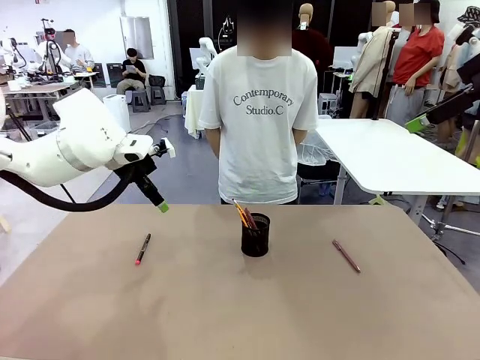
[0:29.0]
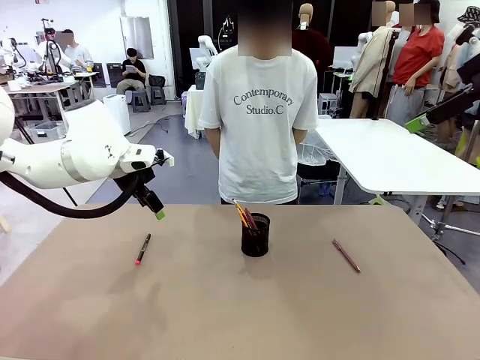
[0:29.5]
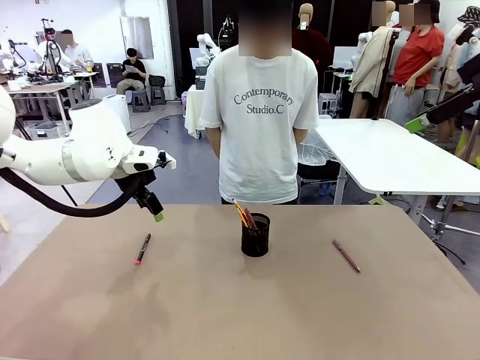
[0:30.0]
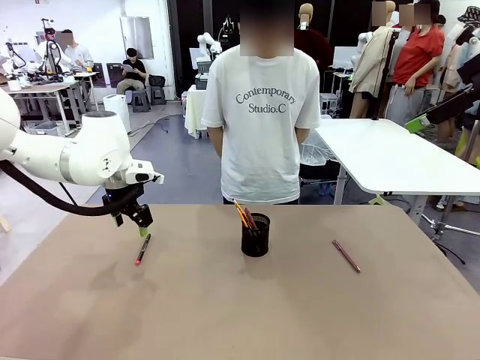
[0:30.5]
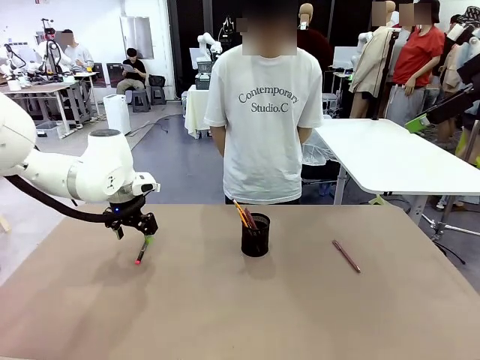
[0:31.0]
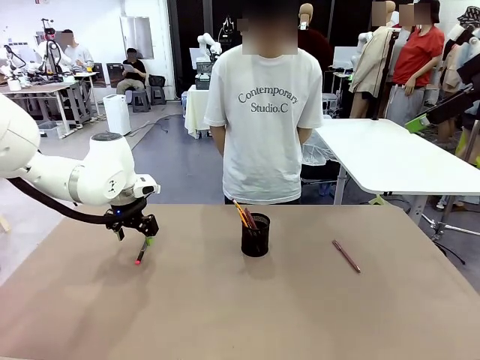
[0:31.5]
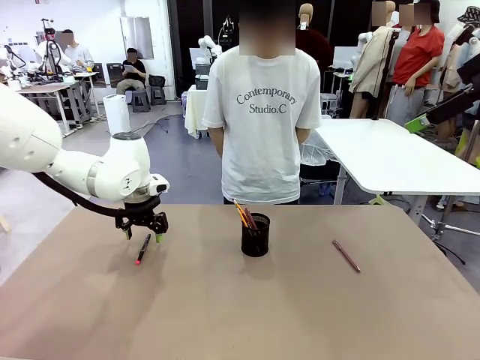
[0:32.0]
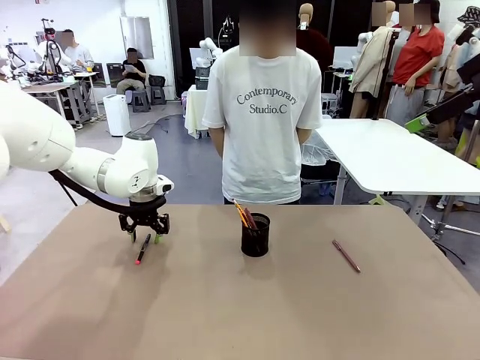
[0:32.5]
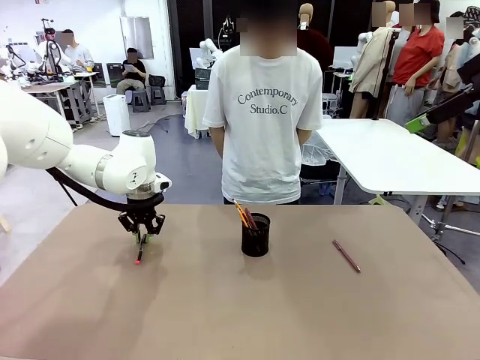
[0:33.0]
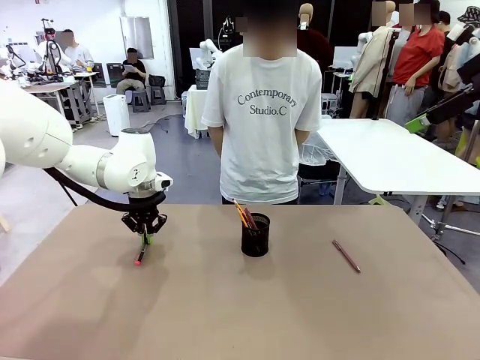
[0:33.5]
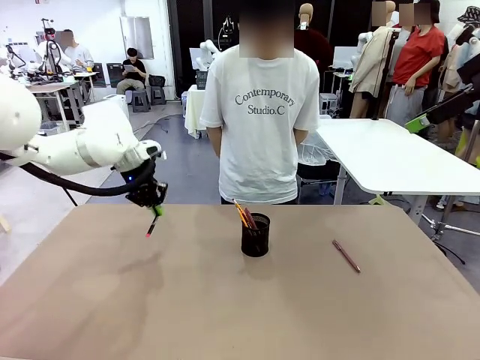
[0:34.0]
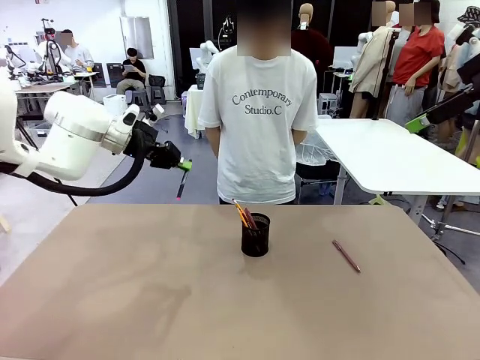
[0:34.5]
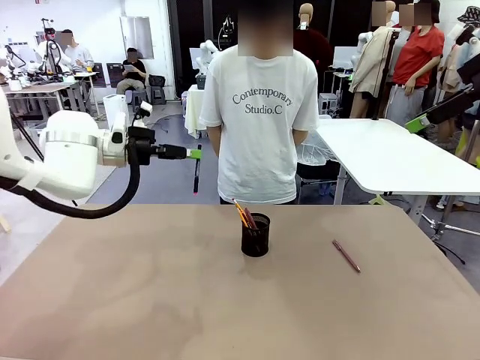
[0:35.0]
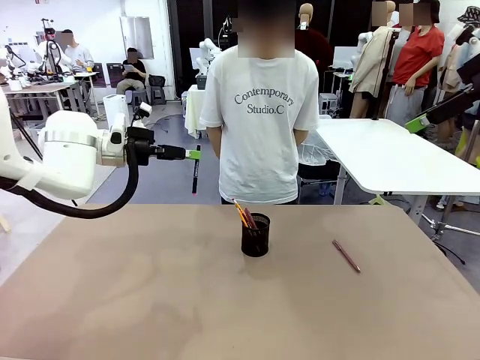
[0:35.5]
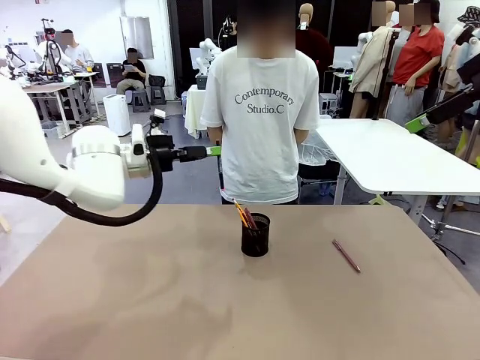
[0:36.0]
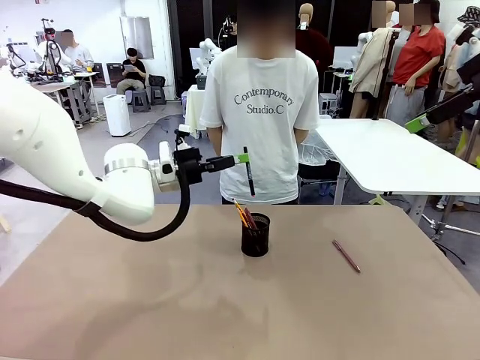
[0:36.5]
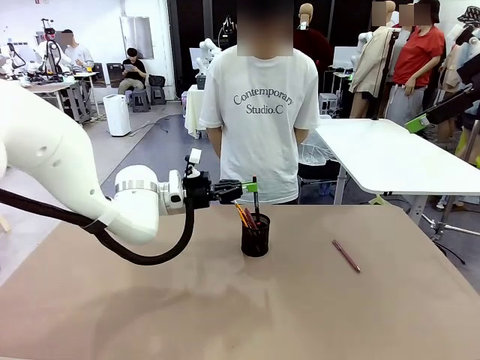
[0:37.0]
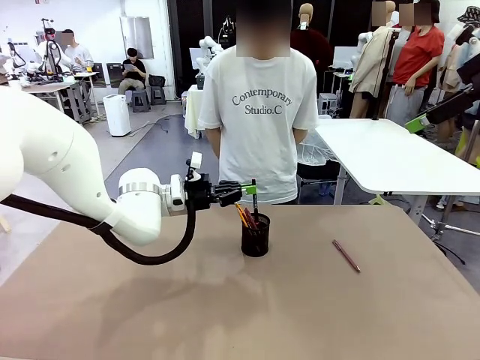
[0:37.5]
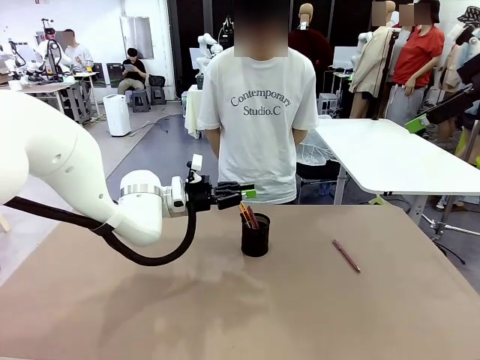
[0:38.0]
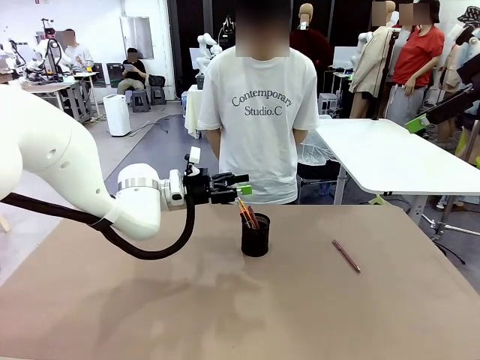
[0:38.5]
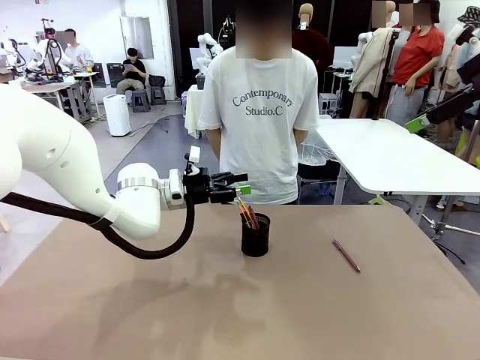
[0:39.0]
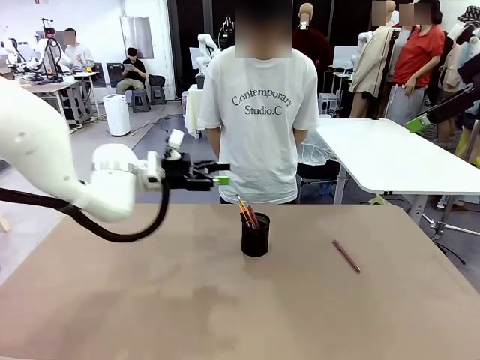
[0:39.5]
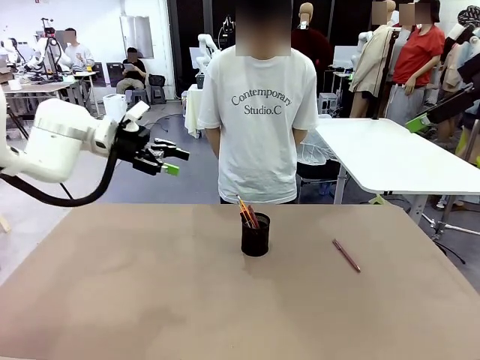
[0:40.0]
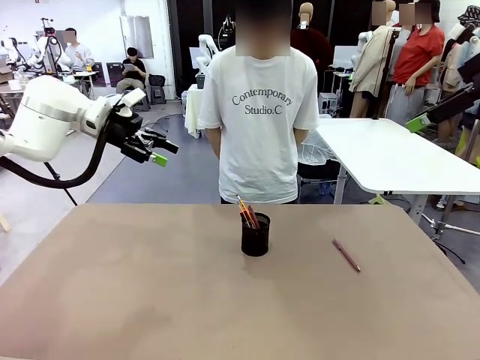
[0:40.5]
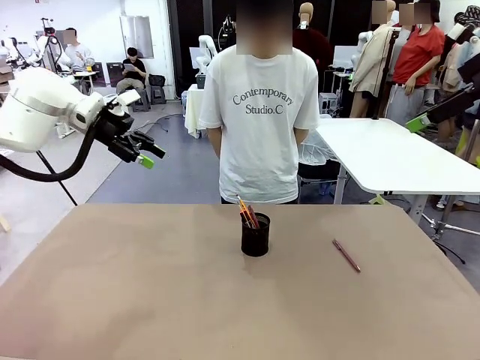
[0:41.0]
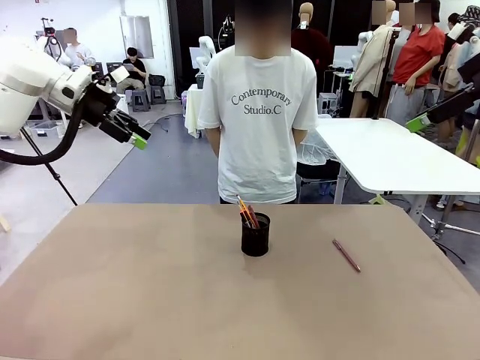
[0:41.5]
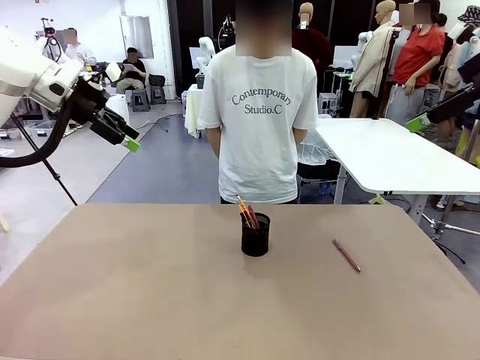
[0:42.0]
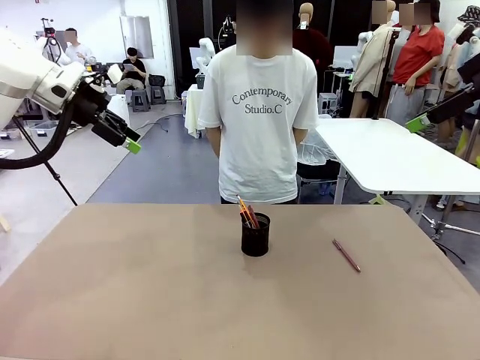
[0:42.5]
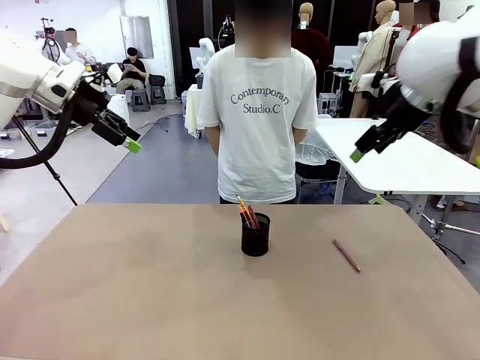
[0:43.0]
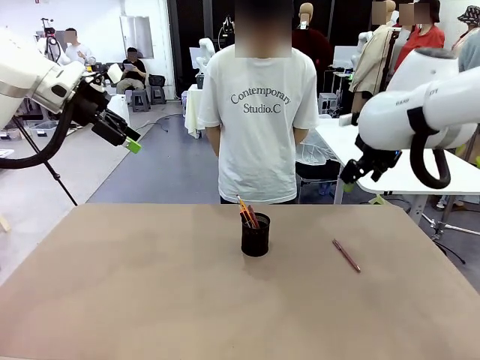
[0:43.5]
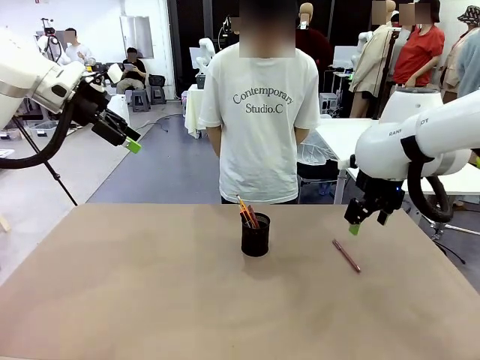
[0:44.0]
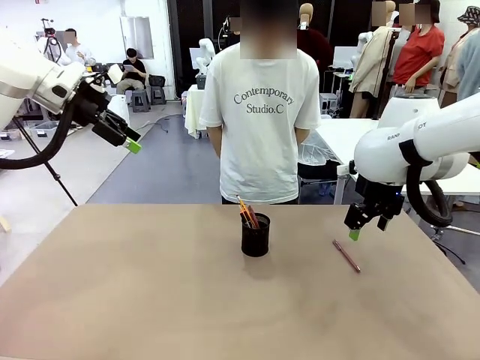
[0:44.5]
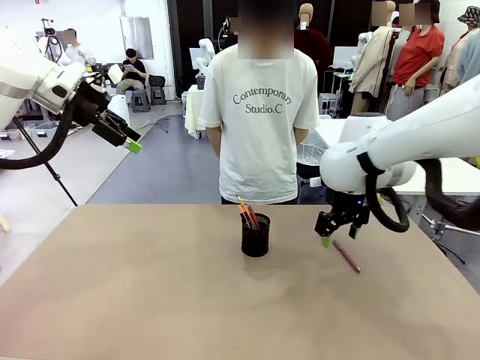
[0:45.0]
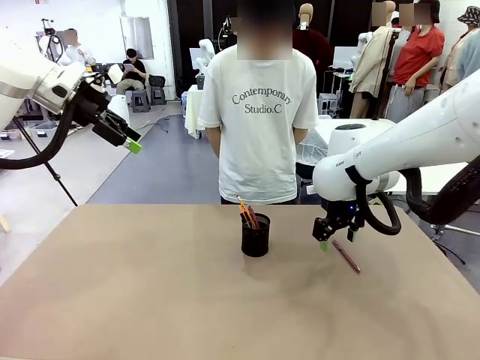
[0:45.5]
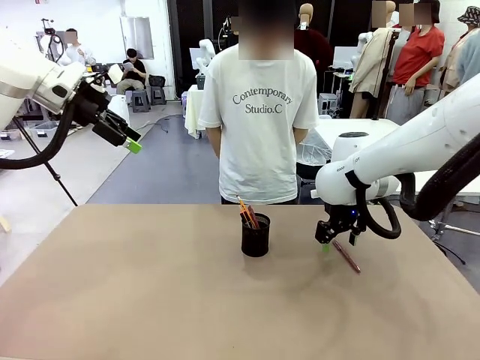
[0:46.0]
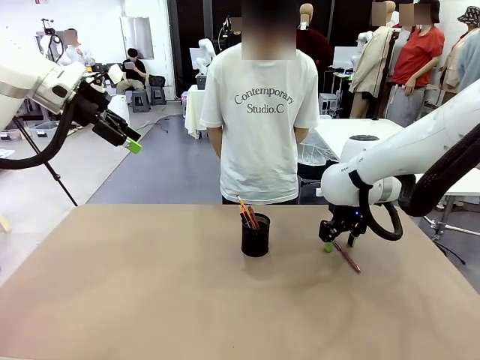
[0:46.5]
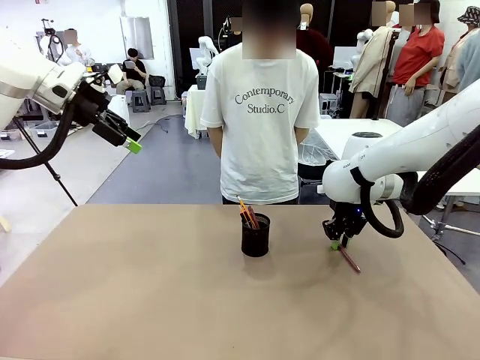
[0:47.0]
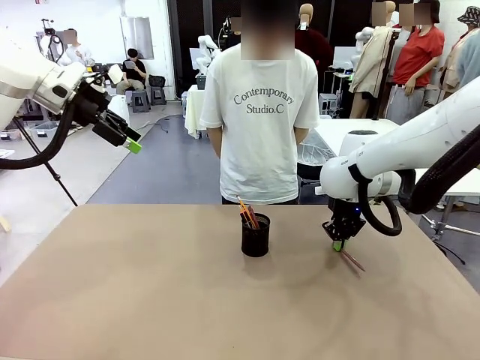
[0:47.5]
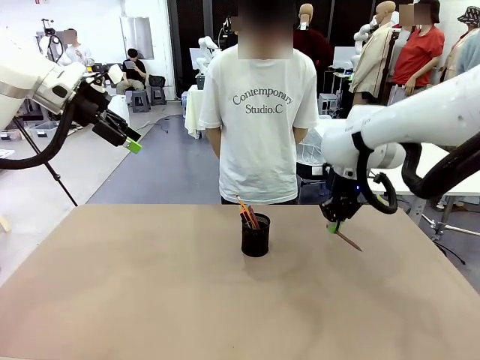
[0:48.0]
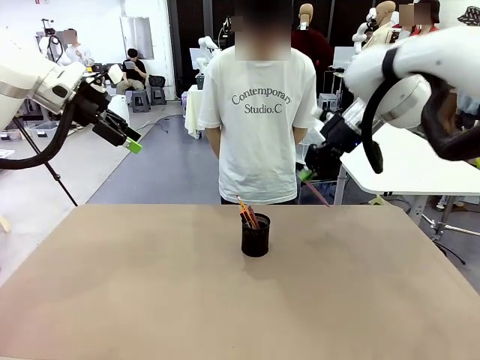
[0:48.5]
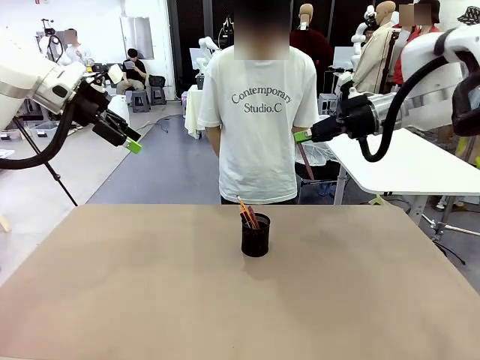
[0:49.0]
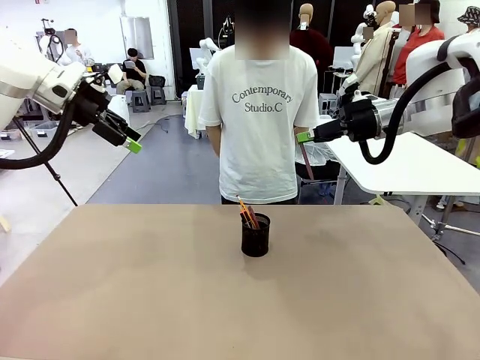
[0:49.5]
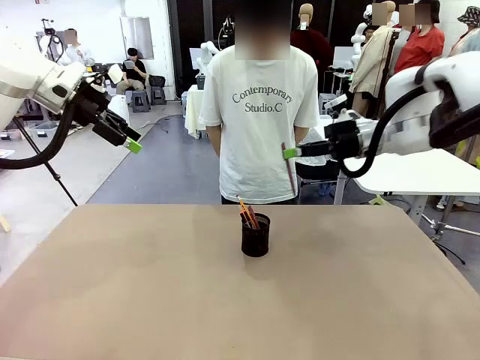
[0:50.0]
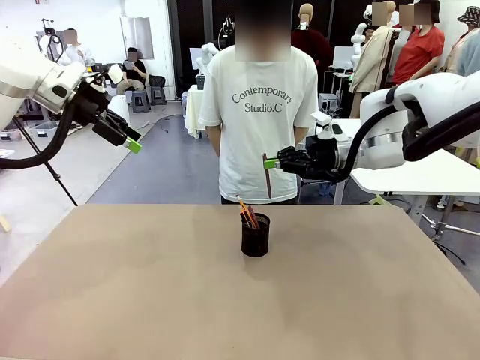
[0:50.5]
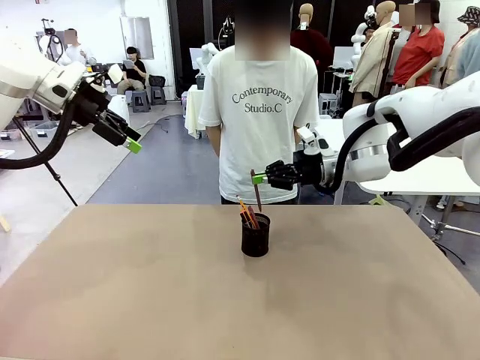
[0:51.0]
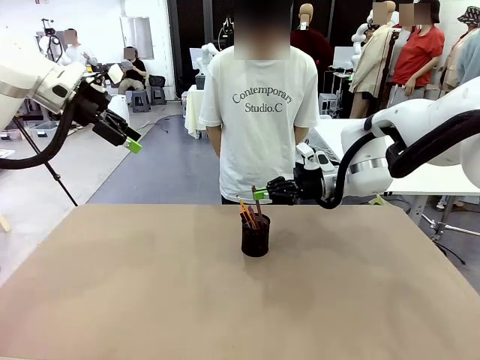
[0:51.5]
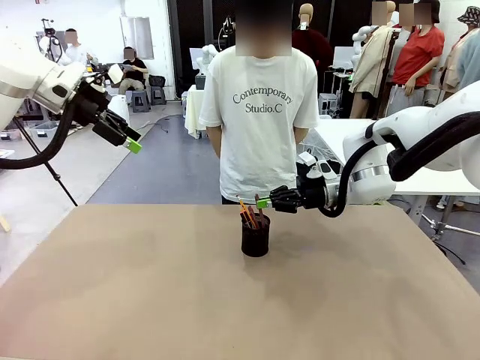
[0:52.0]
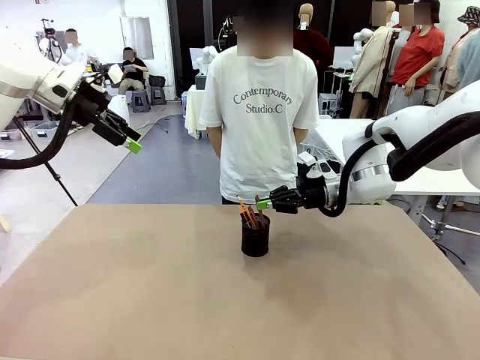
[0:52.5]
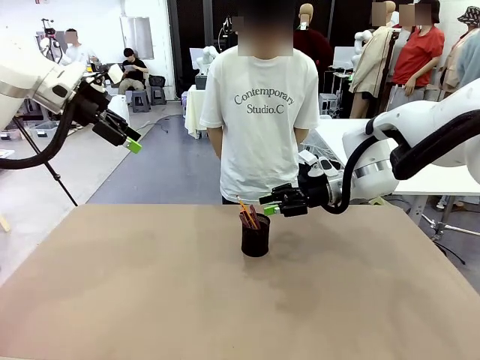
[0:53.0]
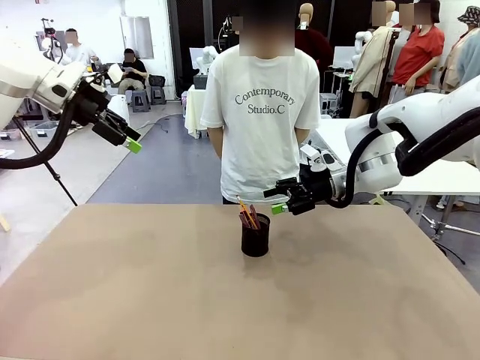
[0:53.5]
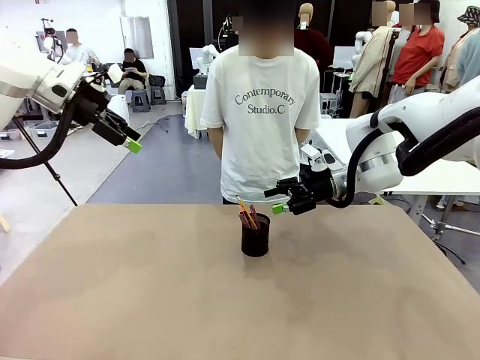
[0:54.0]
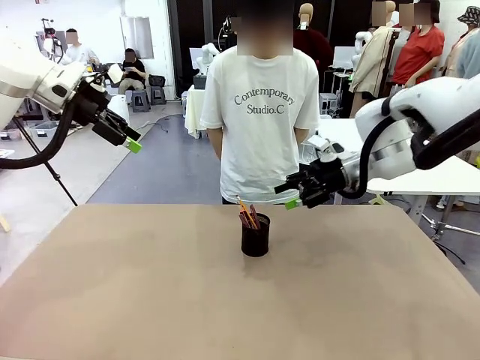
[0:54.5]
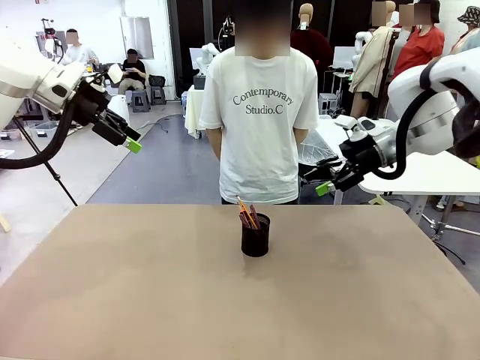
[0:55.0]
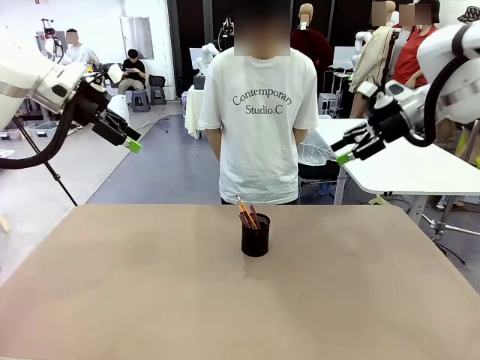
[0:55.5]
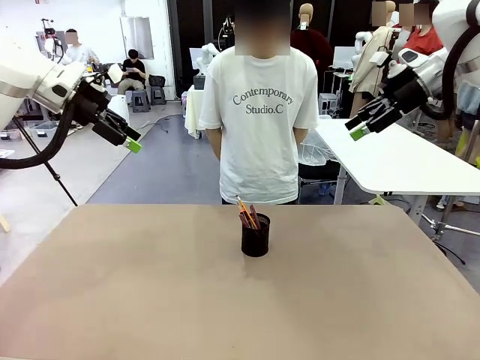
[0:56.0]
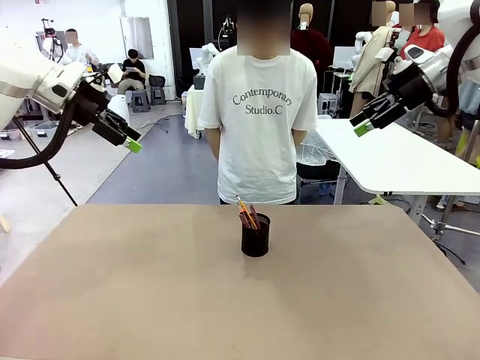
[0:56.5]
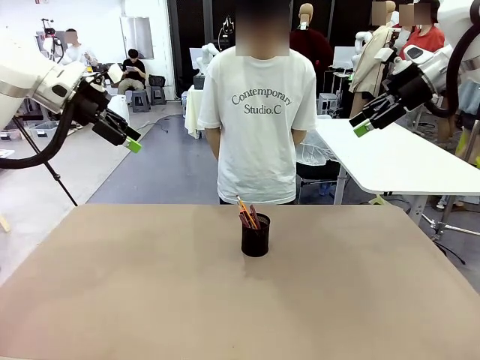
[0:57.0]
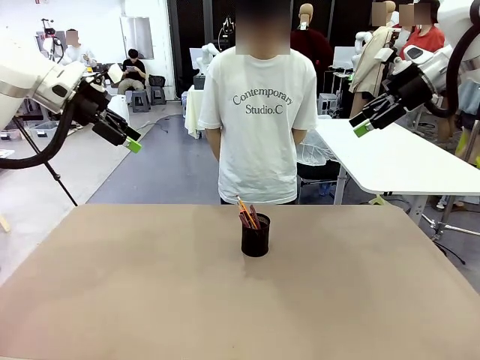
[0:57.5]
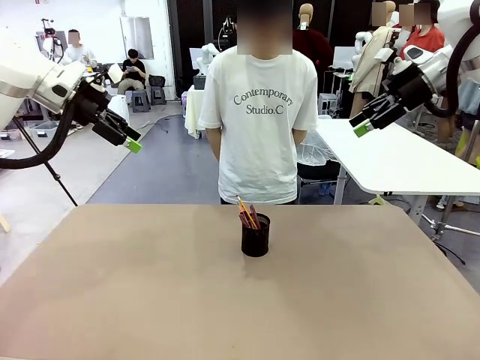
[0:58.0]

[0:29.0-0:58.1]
Task: Place the pens into the pen holder.
Robot: Pick up a writing instrument from the table and place it into the Pen holder.
Person: Place all writing instrument into the Pen holder.
